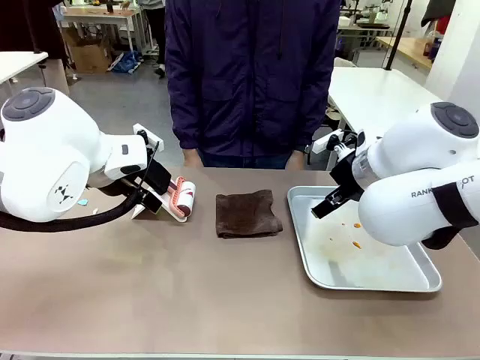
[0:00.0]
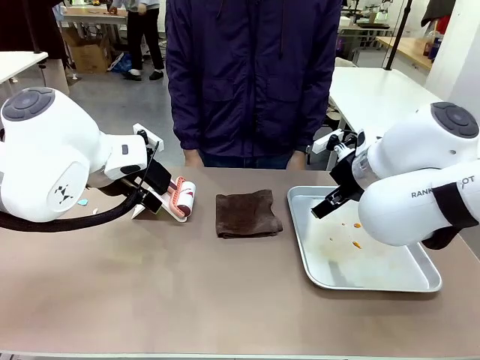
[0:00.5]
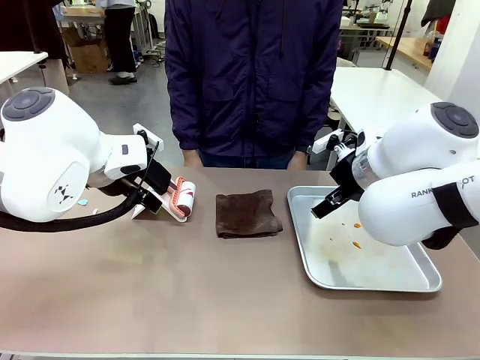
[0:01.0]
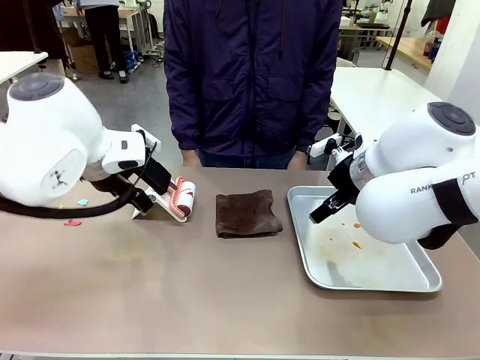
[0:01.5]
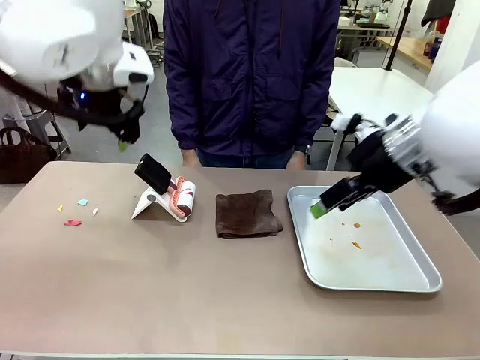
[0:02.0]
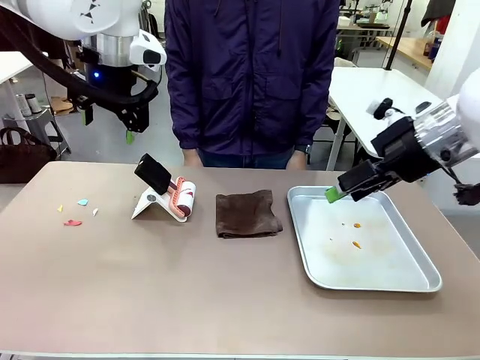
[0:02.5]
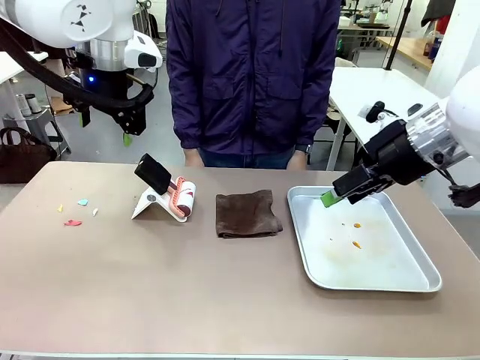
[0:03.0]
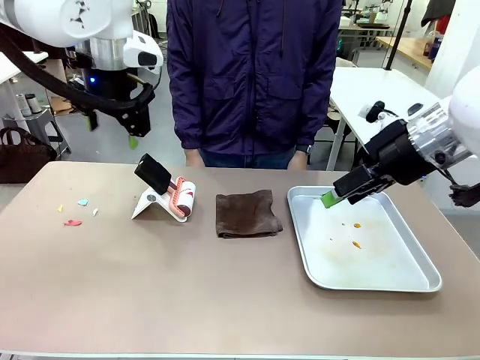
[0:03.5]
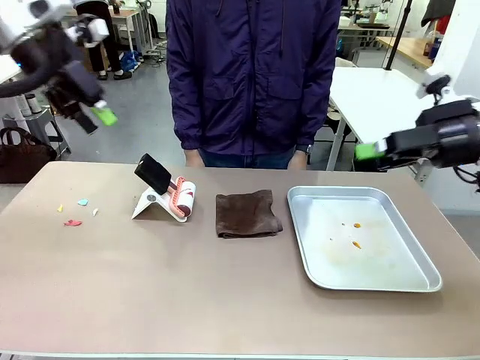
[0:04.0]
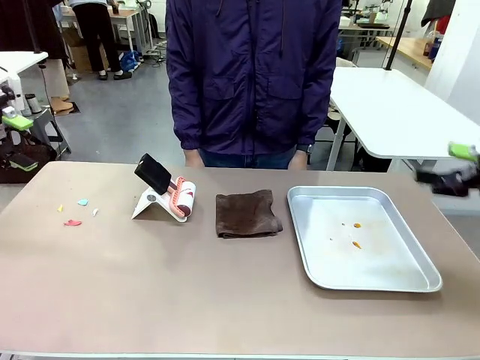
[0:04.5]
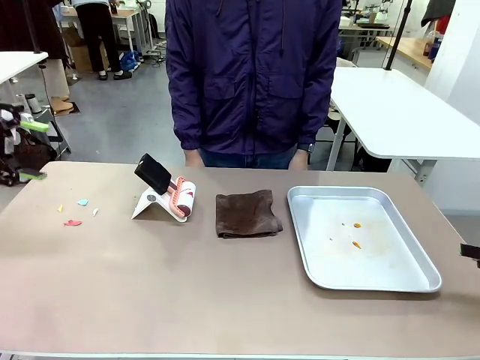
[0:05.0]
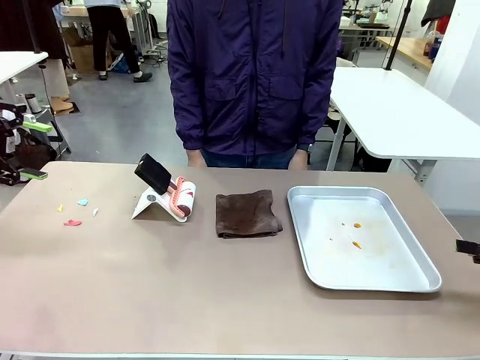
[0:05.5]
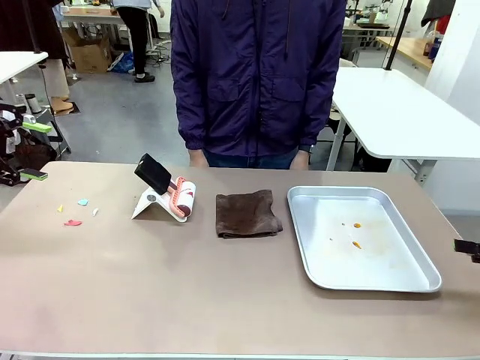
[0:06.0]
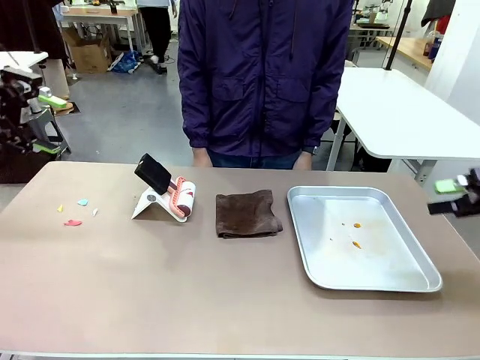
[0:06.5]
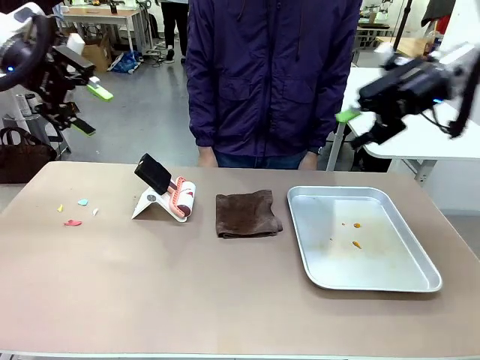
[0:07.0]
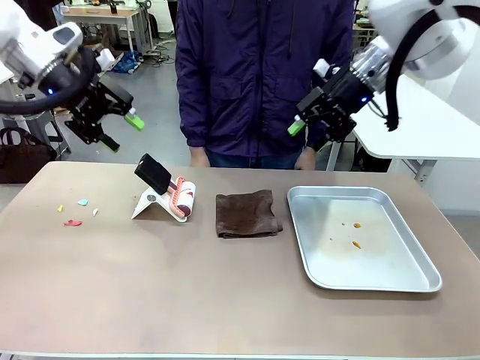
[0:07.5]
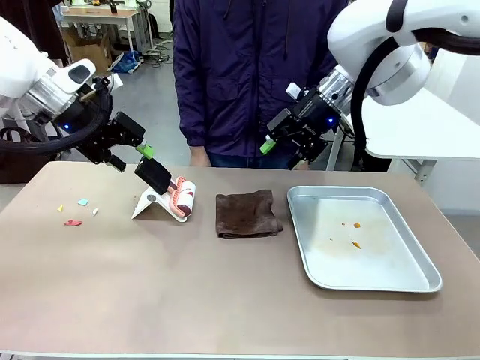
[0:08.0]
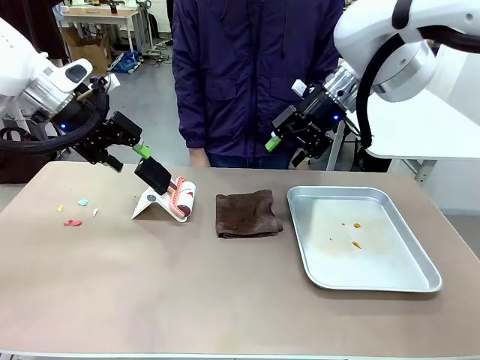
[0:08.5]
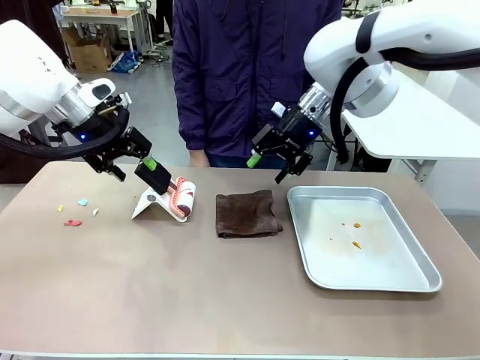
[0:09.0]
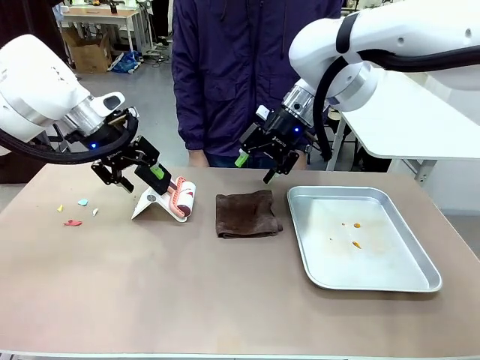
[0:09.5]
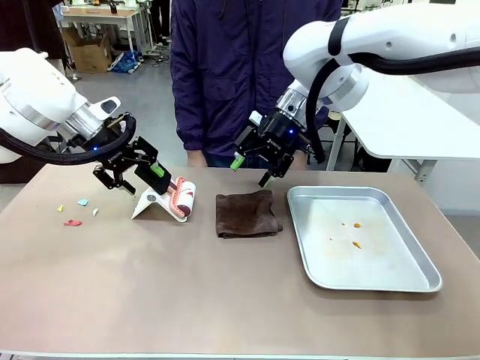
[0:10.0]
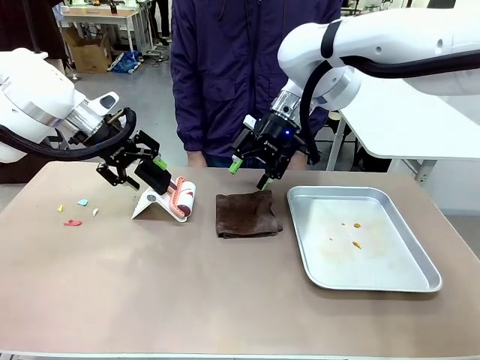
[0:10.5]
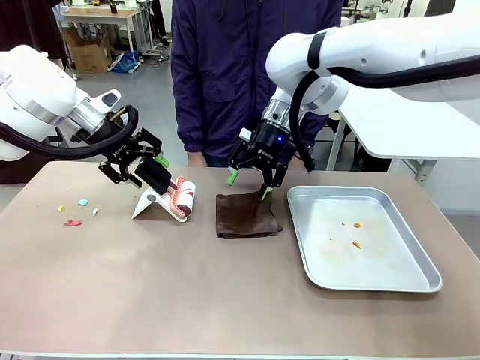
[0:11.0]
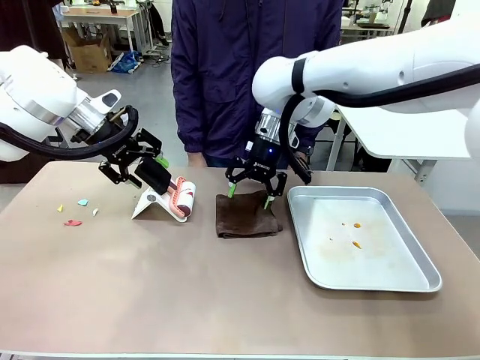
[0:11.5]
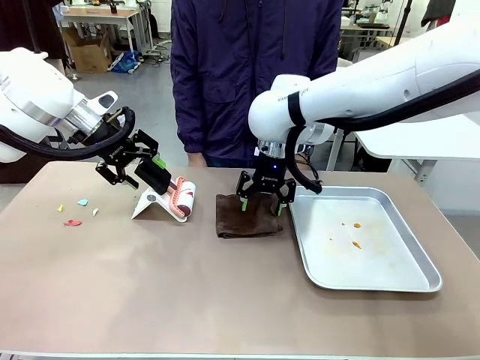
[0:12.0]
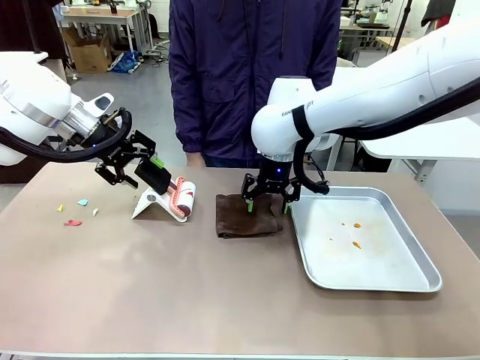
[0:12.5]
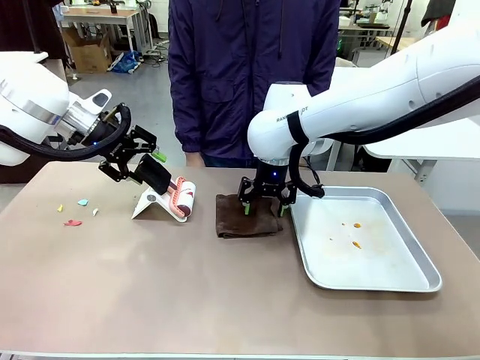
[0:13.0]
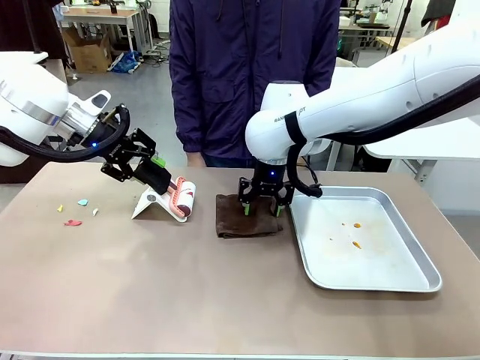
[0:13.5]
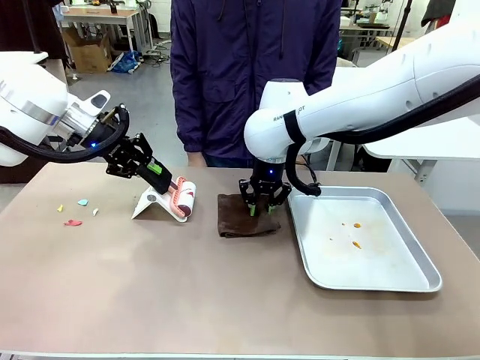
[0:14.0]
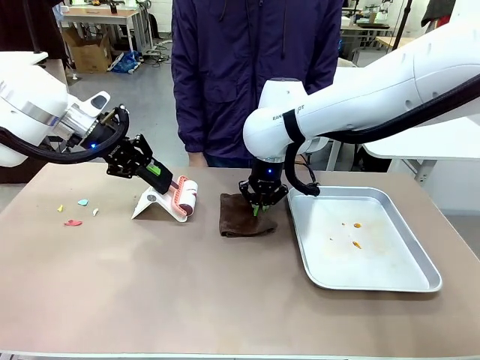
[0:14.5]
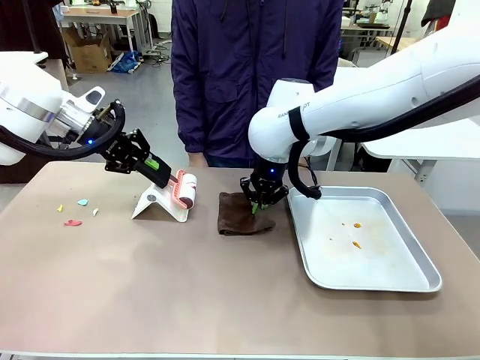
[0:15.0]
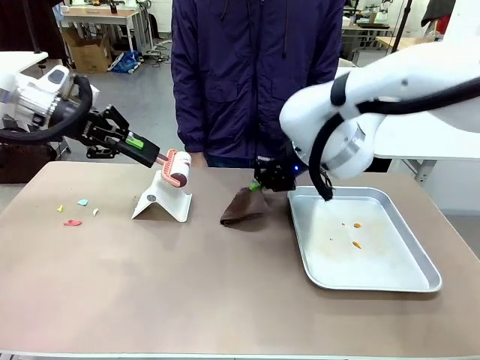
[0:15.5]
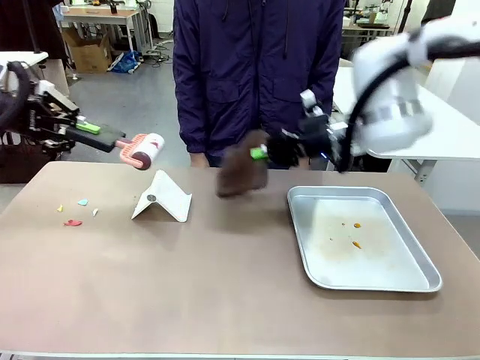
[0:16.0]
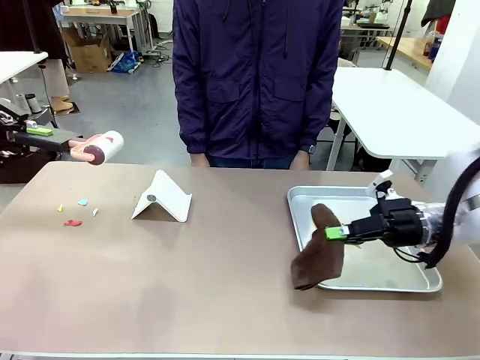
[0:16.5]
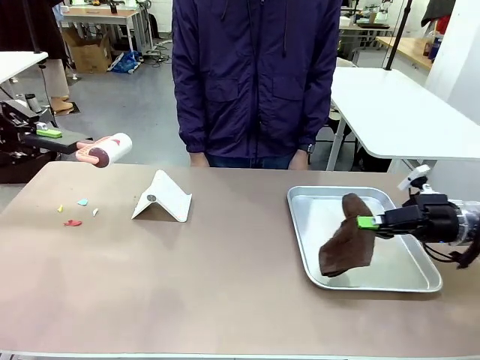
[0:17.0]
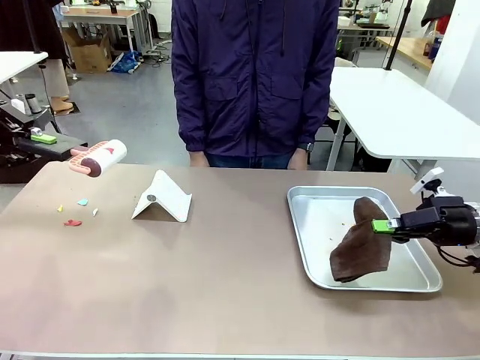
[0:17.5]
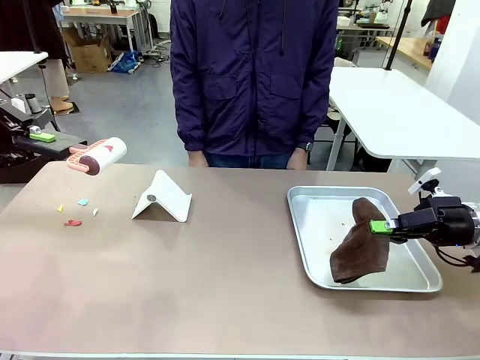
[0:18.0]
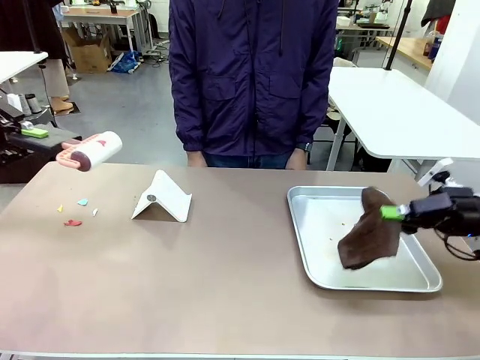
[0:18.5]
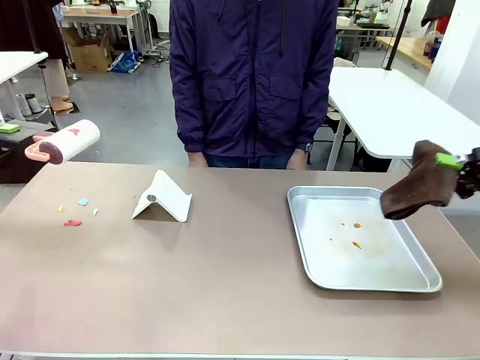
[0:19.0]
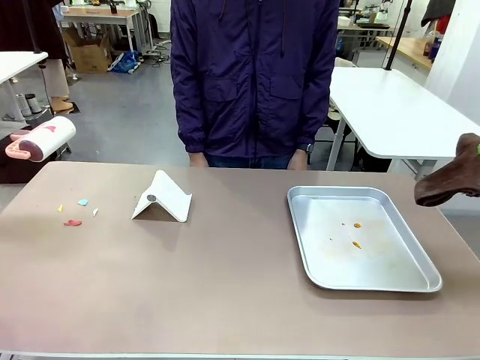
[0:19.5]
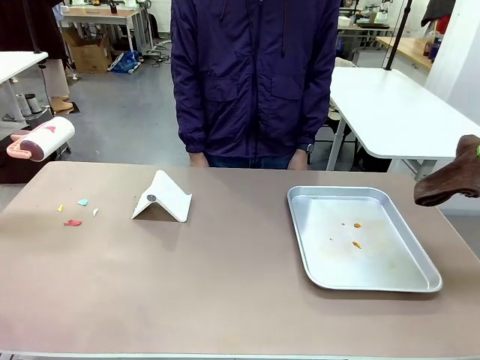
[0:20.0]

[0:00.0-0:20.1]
Task: Clean the surface of the table.
Robot: Hold the Lint Roller with your left hand and the towel with your right hand.

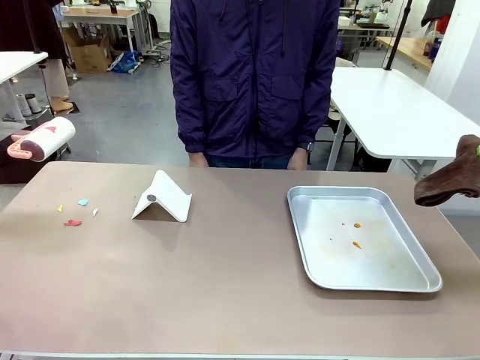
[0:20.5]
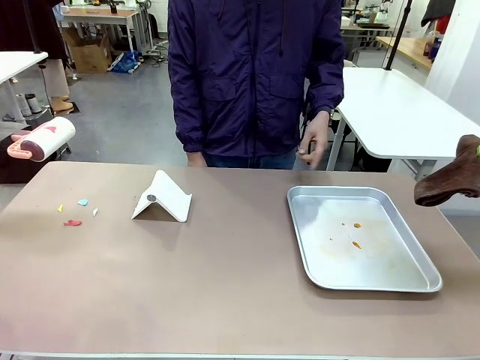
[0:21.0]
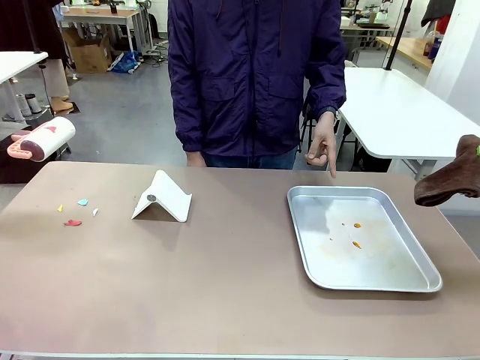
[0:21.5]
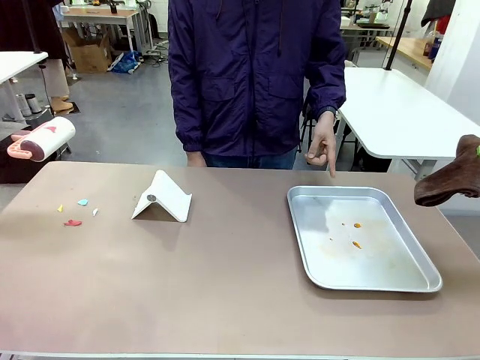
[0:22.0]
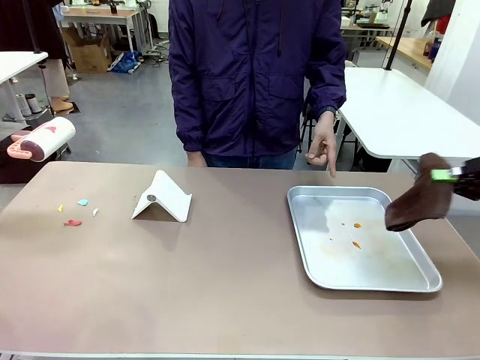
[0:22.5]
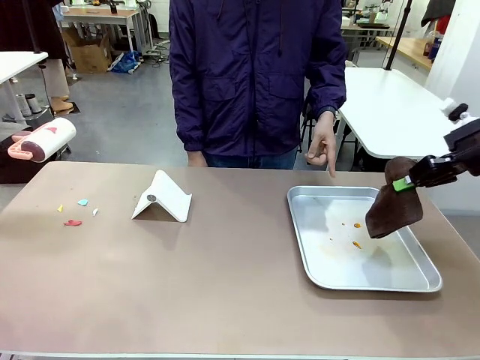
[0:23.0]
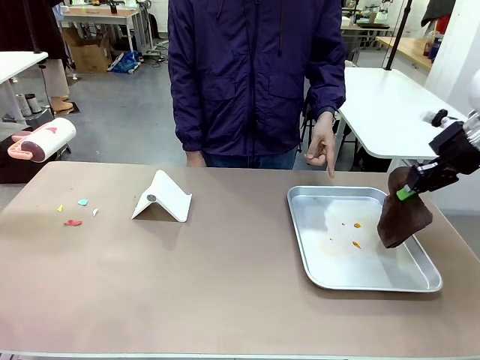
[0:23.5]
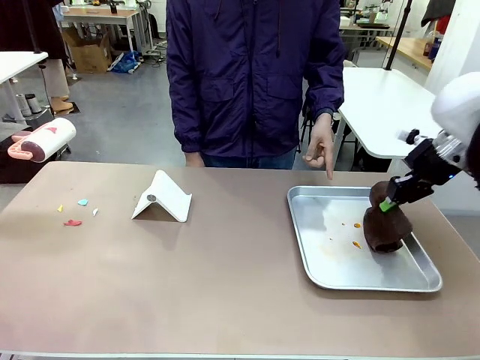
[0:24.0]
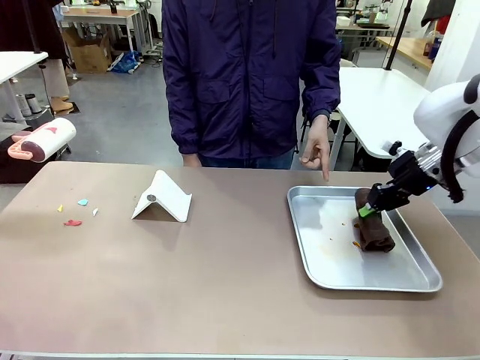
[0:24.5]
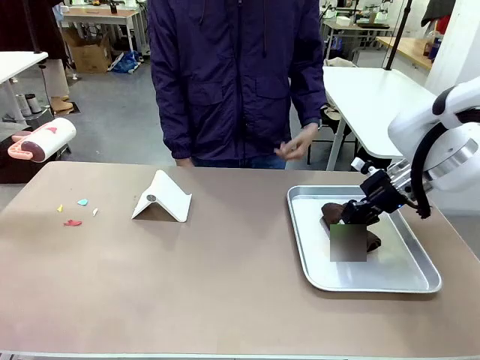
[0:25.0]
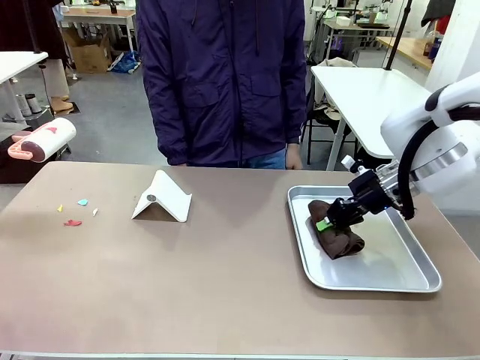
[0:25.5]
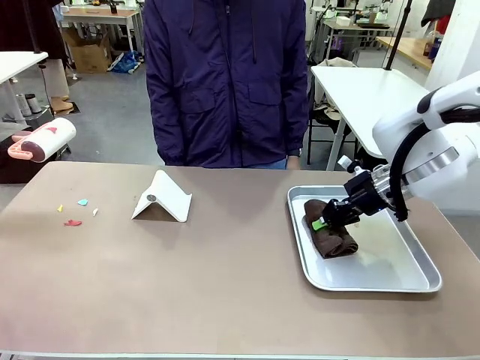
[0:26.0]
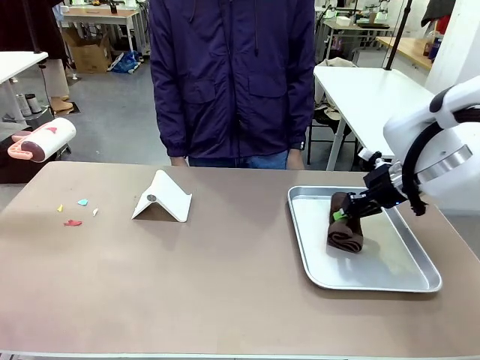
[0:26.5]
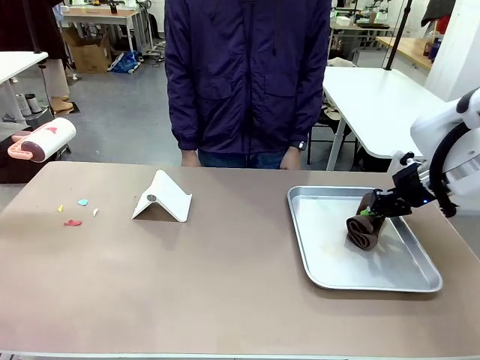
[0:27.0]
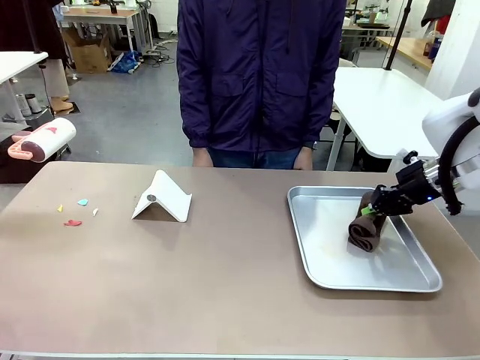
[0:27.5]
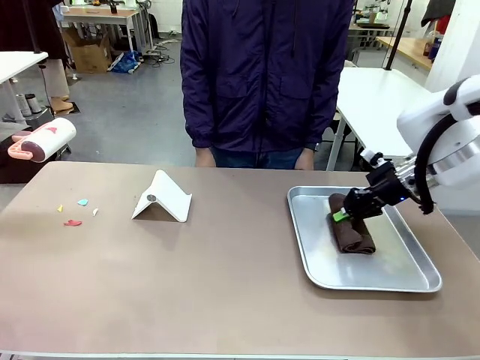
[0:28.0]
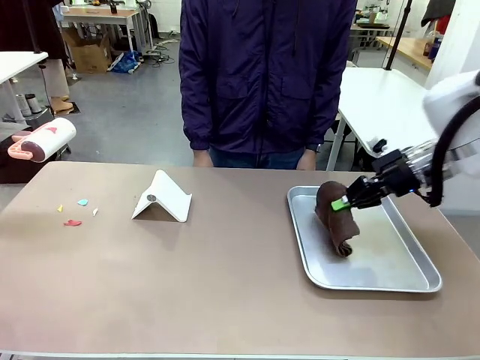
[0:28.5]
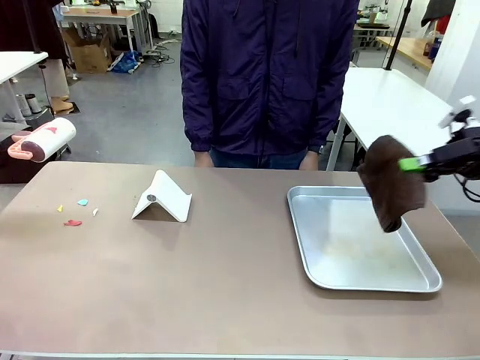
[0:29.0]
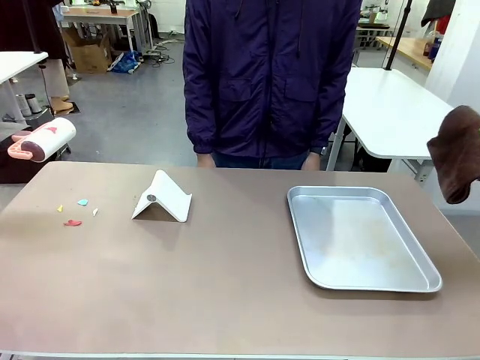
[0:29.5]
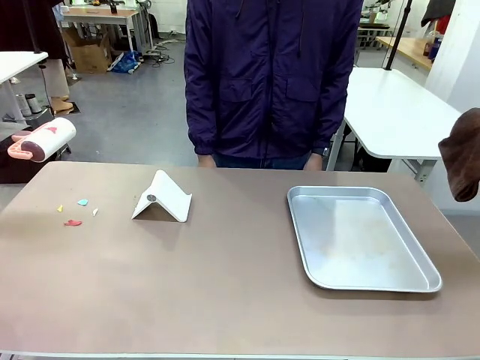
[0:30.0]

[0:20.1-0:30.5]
Robot: If a person points to the right, clean the right side of the table with your right hand, and if they point to the left, clean the left side with your left hand.
